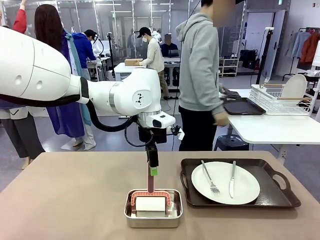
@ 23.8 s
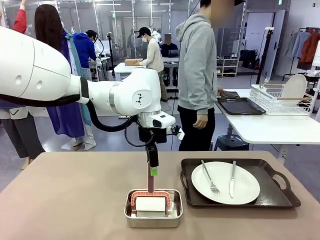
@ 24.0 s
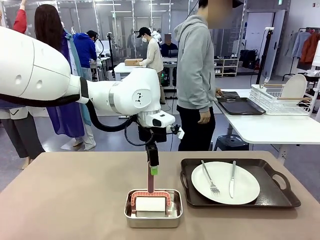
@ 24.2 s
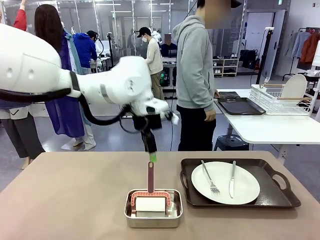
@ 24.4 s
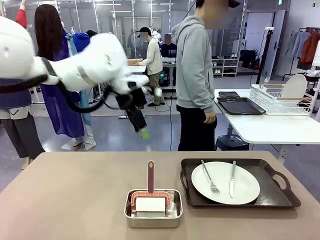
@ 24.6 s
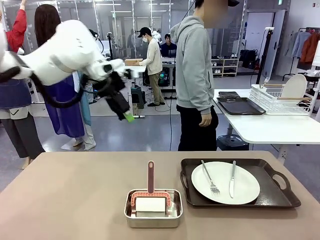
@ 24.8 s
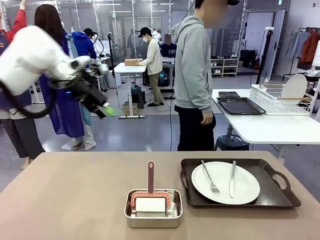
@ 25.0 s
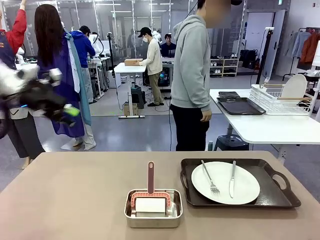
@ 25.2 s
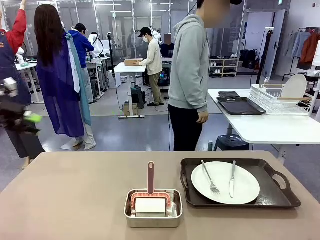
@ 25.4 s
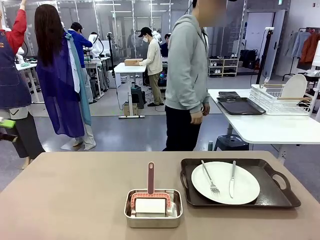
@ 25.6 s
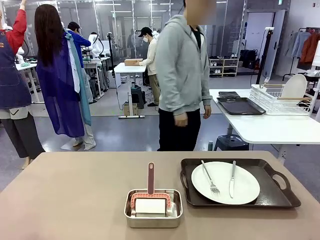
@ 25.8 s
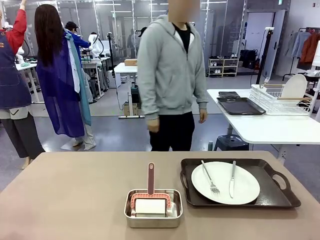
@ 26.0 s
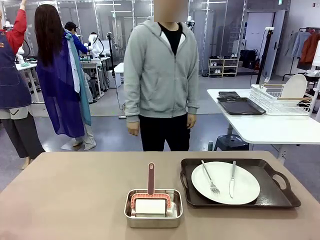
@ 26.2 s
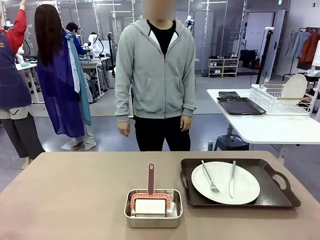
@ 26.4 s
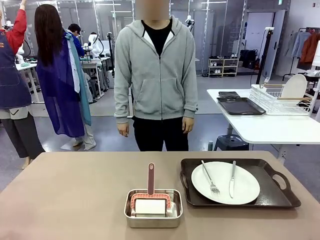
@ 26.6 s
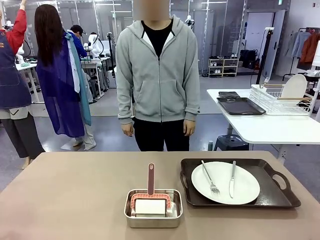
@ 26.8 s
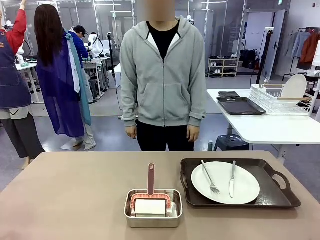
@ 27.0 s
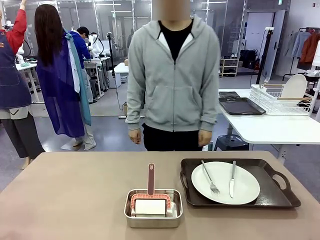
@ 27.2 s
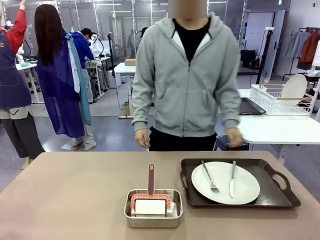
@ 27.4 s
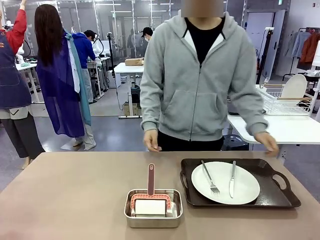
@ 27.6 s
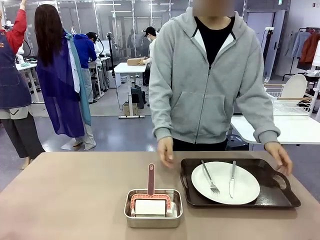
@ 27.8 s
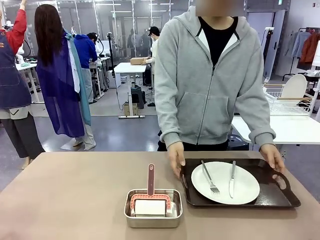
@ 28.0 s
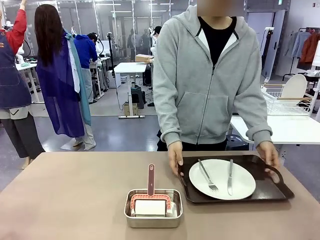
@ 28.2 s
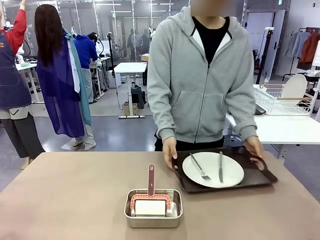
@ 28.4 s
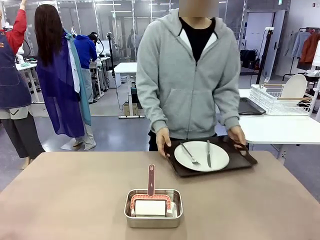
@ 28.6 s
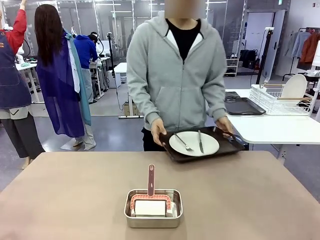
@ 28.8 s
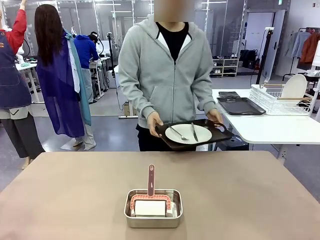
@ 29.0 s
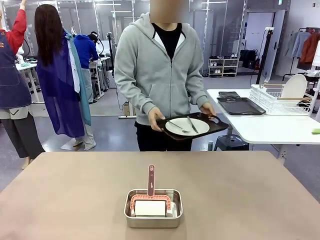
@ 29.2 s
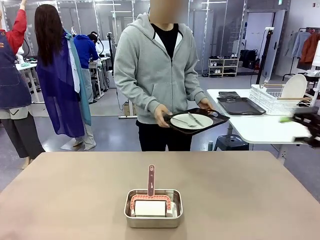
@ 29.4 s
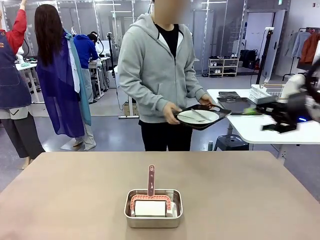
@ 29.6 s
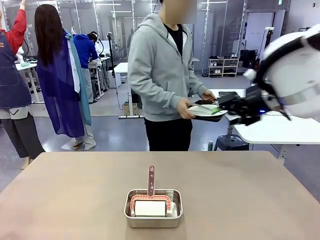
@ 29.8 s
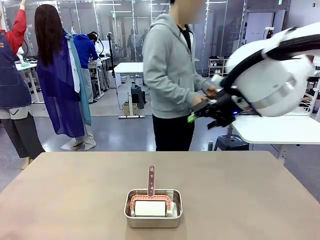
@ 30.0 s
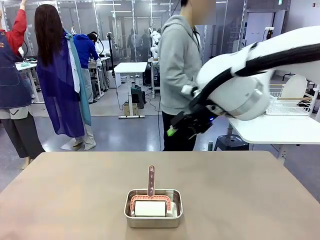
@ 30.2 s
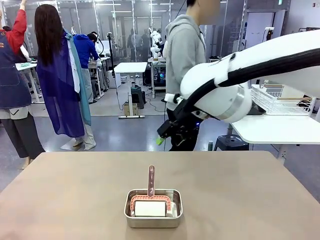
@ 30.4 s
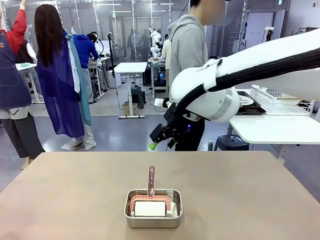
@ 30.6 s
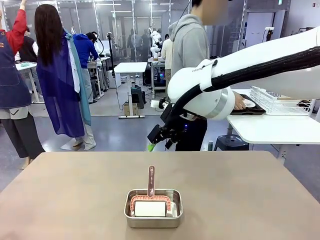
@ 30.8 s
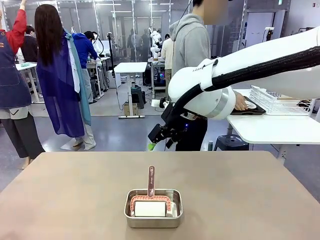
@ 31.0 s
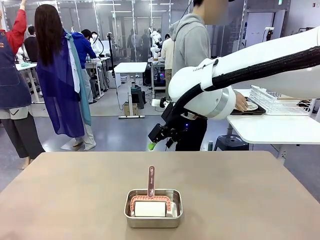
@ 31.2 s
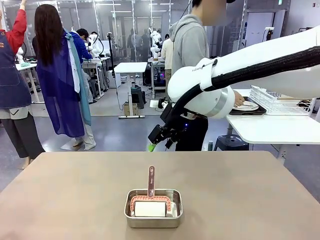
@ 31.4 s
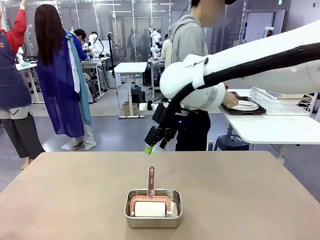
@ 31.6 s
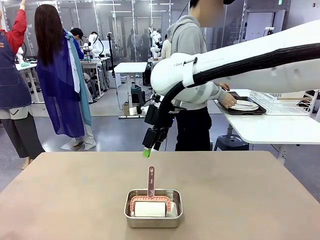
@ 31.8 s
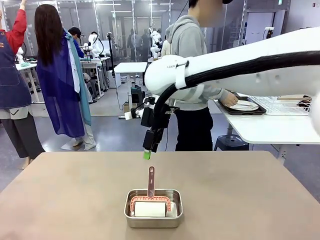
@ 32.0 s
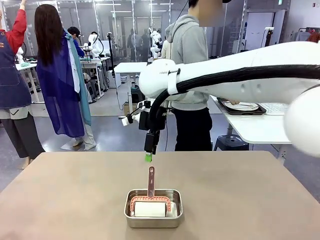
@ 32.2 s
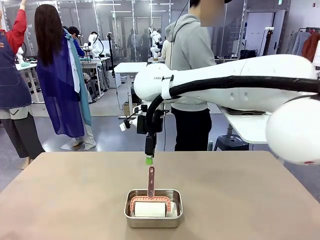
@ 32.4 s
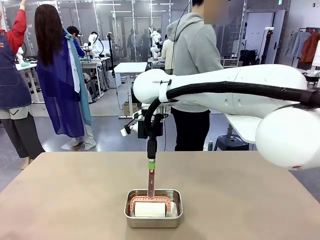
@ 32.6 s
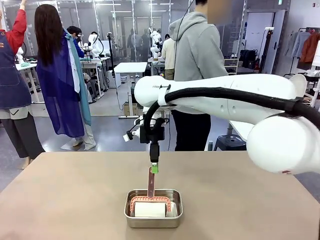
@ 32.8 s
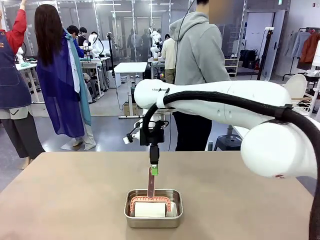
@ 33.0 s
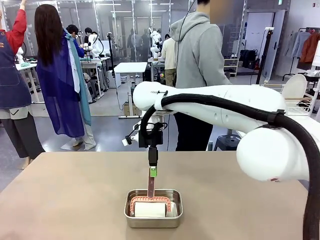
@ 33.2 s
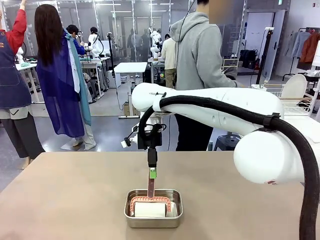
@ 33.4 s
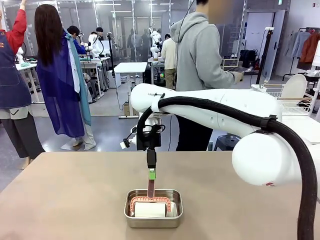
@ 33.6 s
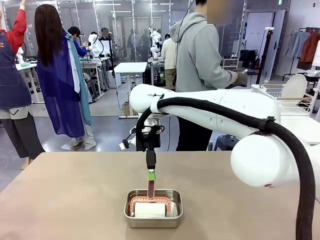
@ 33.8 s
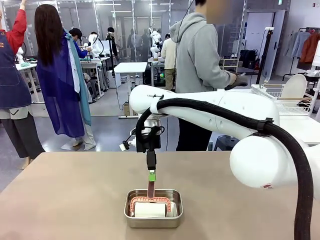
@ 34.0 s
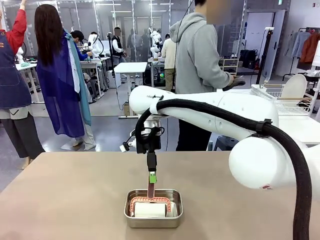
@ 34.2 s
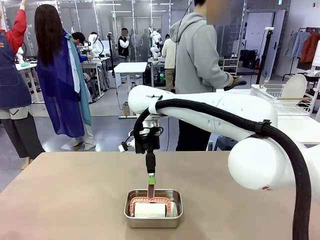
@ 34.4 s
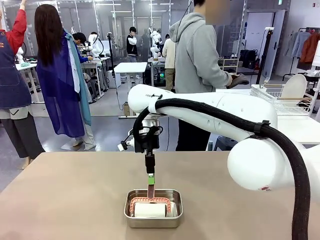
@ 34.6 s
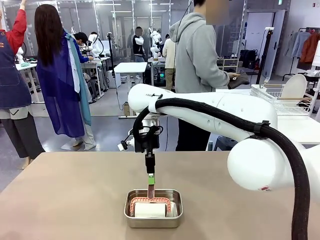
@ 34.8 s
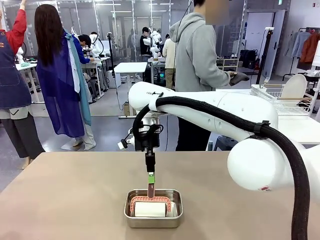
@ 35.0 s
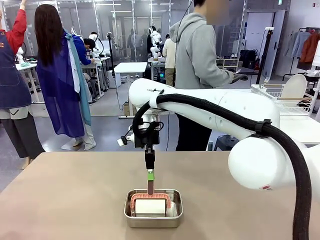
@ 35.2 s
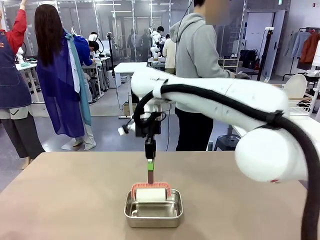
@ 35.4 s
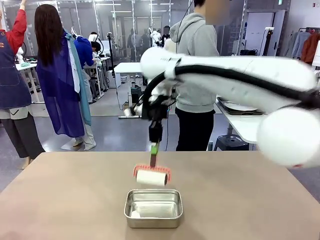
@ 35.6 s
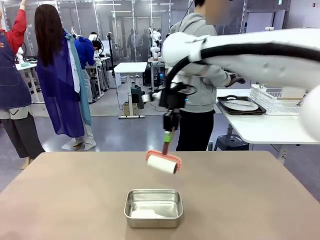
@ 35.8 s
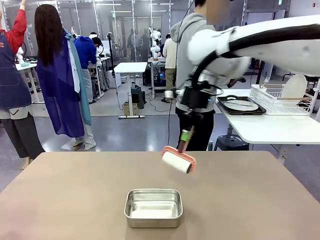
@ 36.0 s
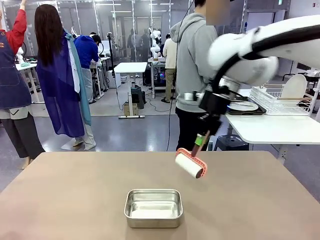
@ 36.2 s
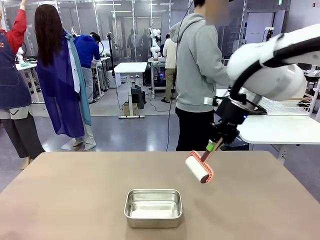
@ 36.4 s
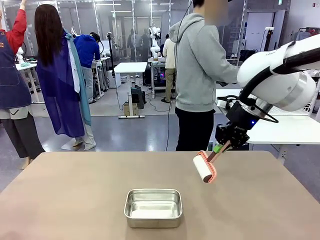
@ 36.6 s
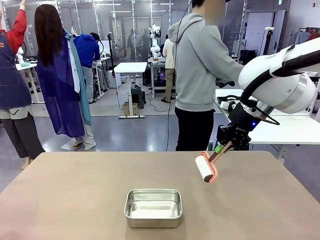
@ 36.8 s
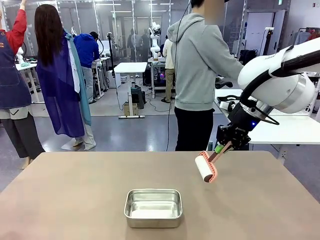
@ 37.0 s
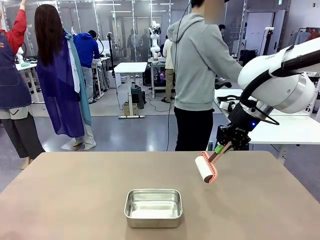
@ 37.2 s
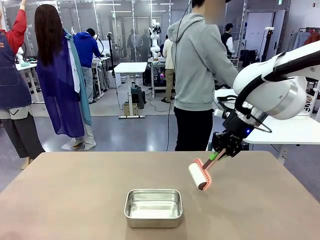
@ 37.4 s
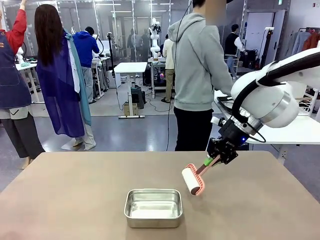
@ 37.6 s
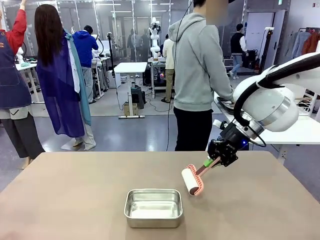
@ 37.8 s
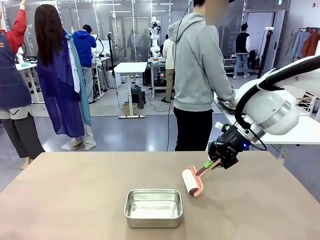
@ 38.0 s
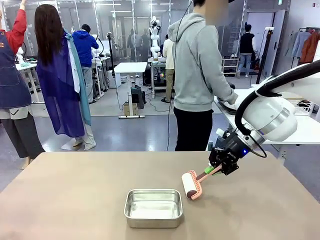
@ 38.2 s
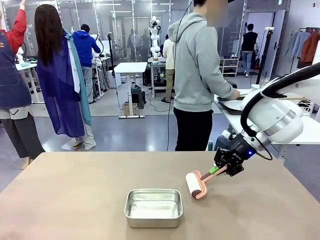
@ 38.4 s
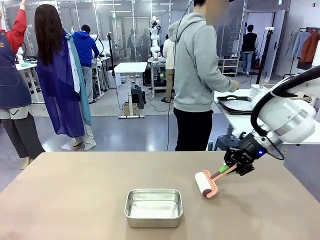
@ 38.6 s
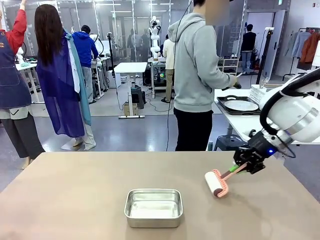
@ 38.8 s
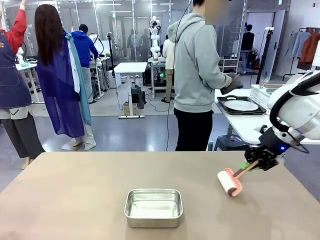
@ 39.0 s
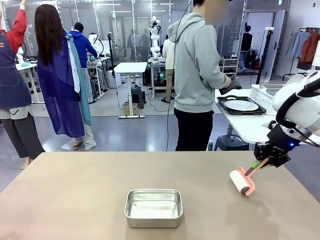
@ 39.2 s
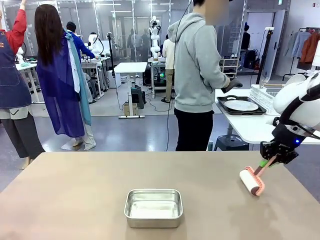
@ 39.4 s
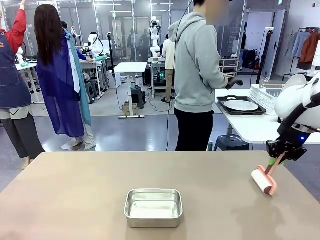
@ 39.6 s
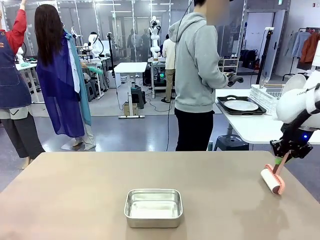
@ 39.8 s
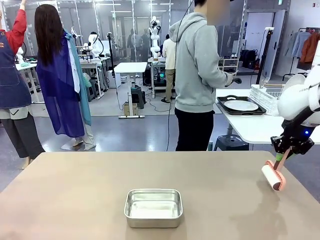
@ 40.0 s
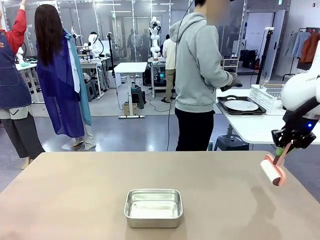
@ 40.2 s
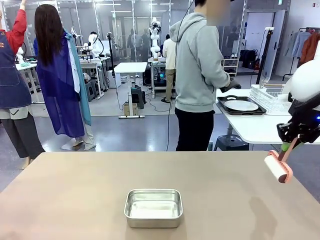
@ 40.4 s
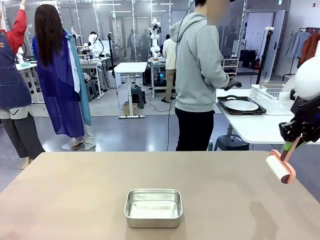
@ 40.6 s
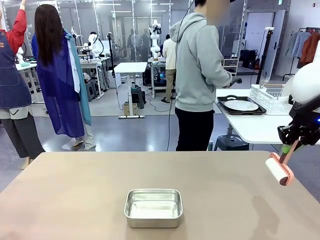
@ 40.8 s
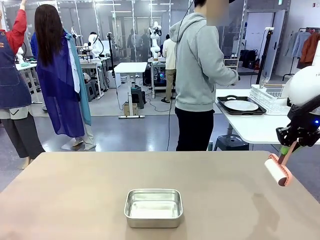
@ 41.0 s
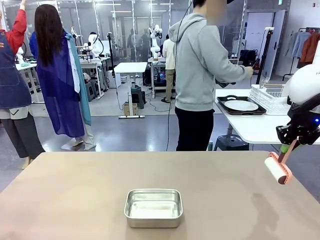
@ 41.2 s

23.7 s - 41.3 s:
Robot: When the right (or left) Handle tray is removed, use the right hand (or left hand) to clean the right (or left) side of the table with the Lint Roller.
Person: Pick up the left (or right) Handle tray and place it on the Handle tray.
